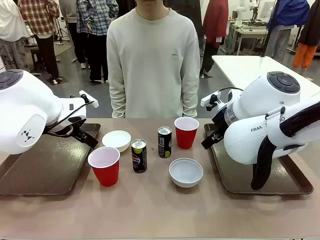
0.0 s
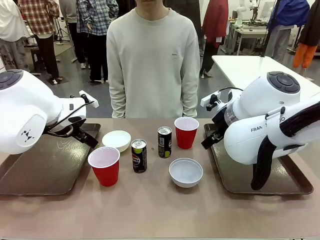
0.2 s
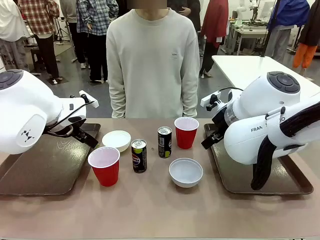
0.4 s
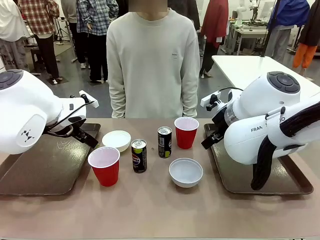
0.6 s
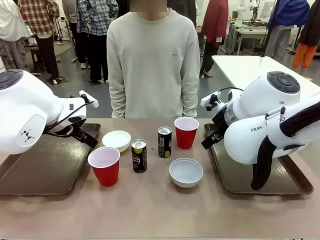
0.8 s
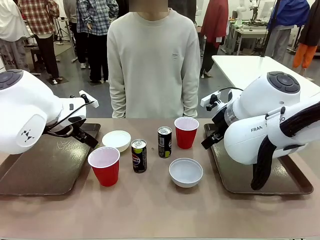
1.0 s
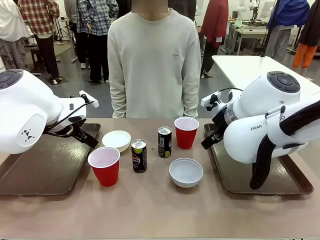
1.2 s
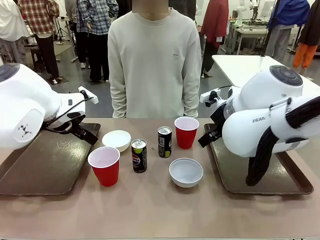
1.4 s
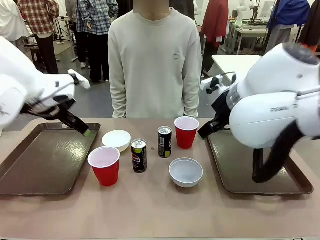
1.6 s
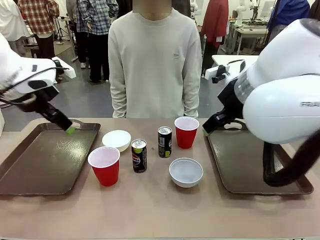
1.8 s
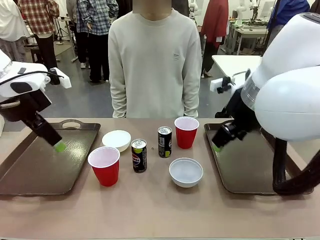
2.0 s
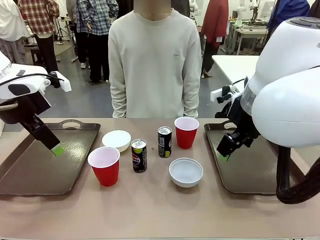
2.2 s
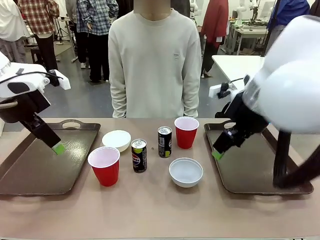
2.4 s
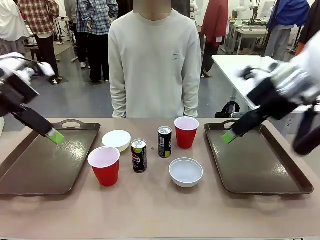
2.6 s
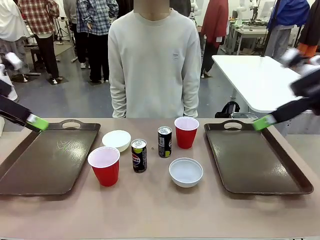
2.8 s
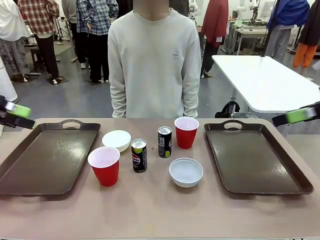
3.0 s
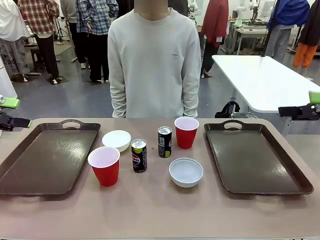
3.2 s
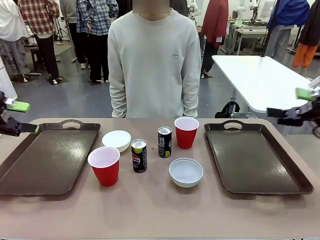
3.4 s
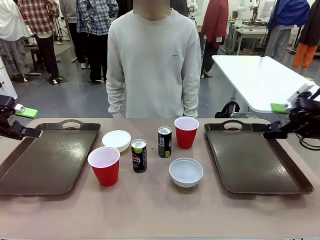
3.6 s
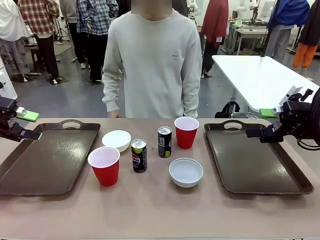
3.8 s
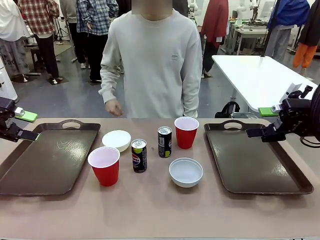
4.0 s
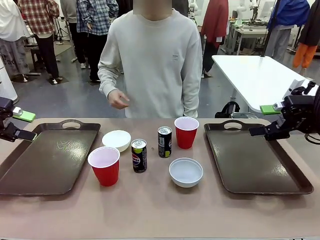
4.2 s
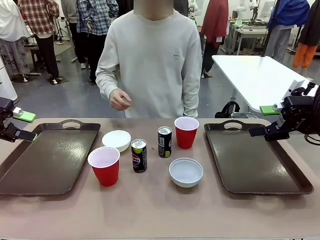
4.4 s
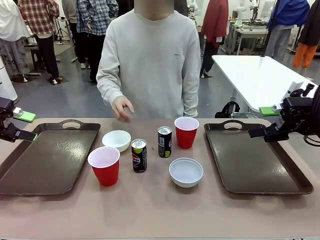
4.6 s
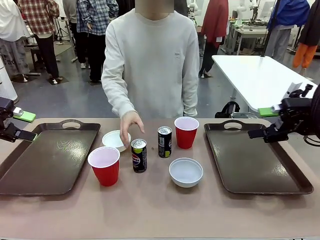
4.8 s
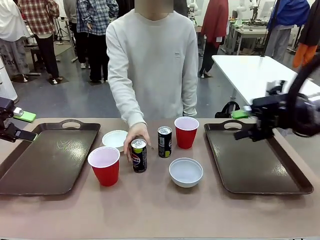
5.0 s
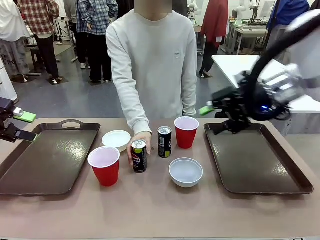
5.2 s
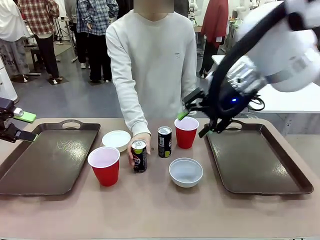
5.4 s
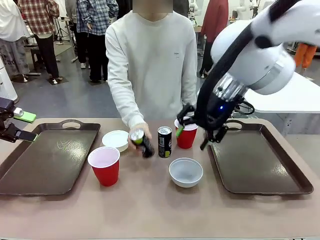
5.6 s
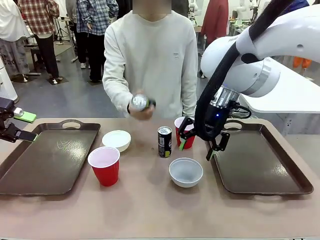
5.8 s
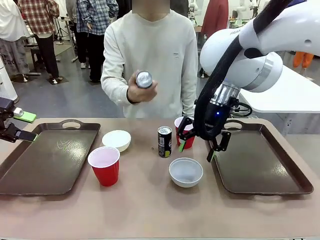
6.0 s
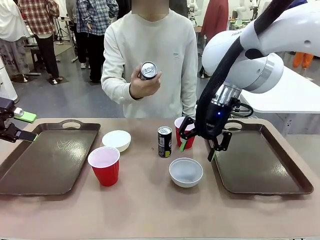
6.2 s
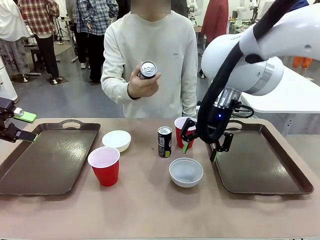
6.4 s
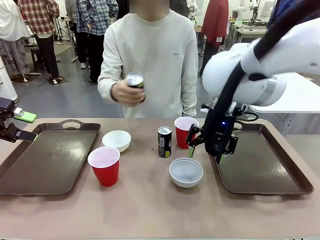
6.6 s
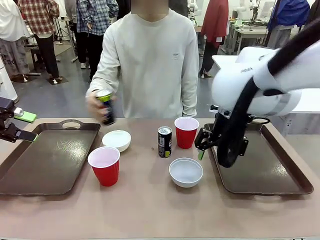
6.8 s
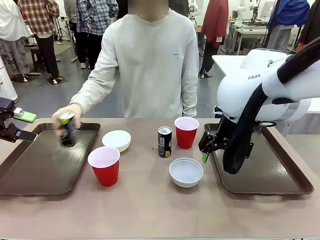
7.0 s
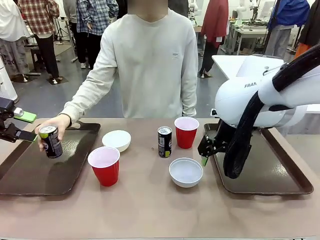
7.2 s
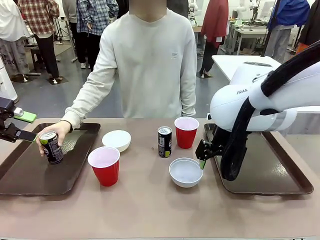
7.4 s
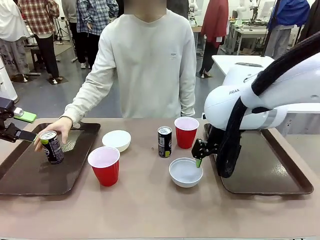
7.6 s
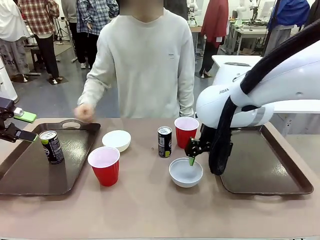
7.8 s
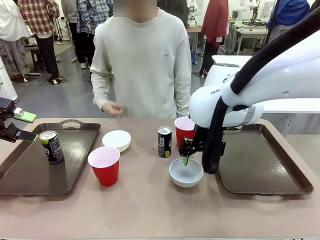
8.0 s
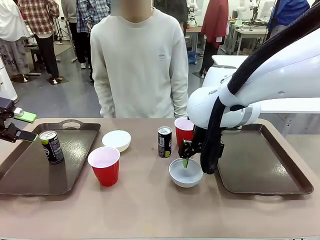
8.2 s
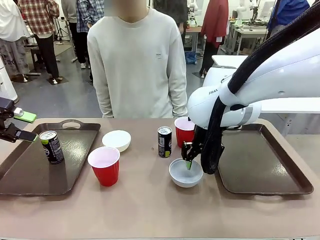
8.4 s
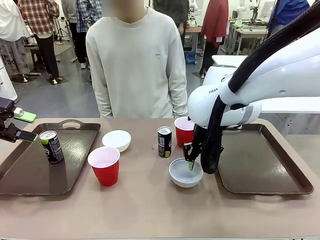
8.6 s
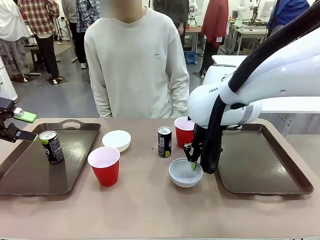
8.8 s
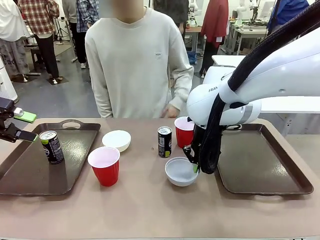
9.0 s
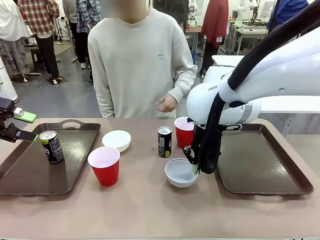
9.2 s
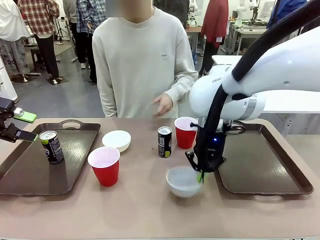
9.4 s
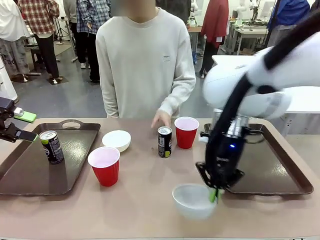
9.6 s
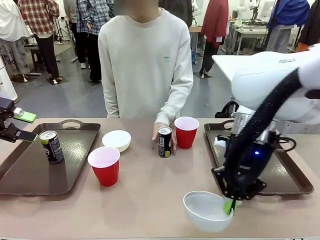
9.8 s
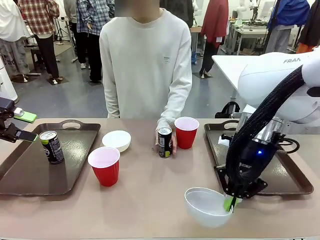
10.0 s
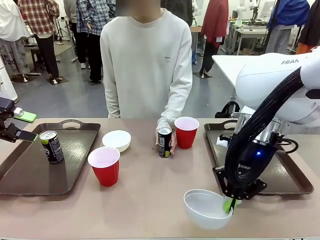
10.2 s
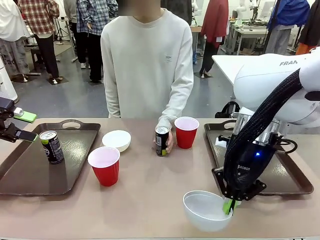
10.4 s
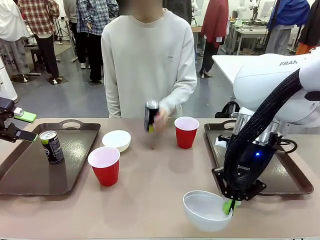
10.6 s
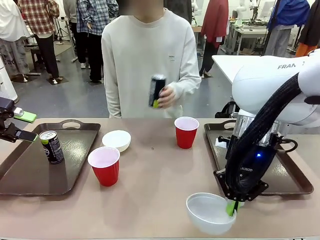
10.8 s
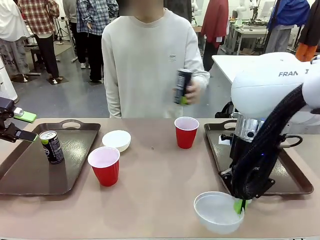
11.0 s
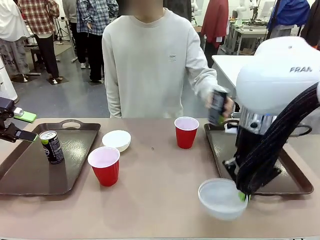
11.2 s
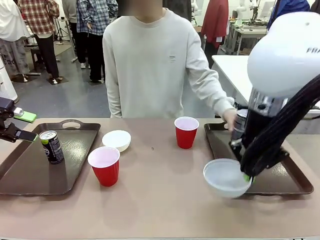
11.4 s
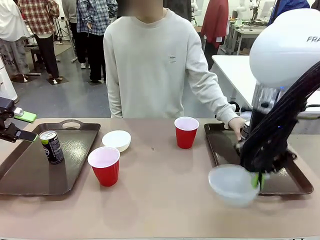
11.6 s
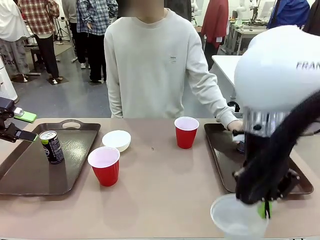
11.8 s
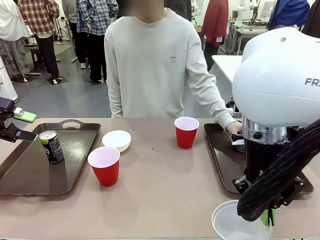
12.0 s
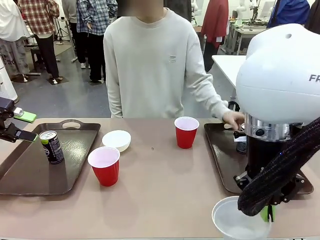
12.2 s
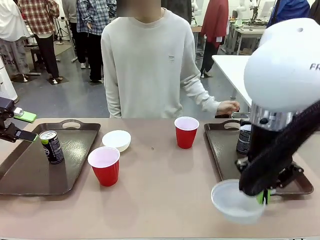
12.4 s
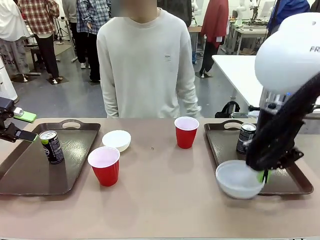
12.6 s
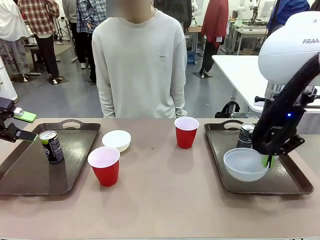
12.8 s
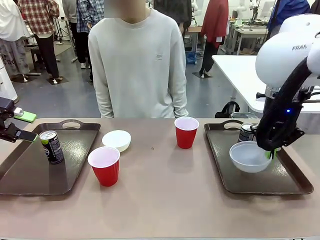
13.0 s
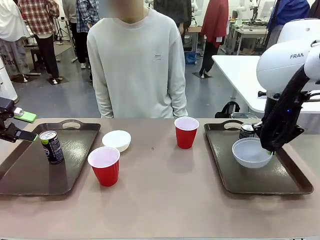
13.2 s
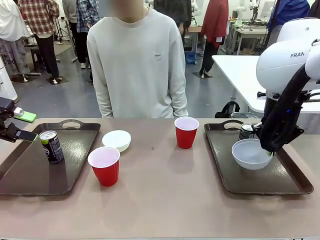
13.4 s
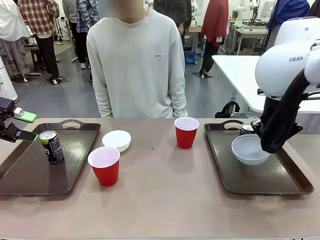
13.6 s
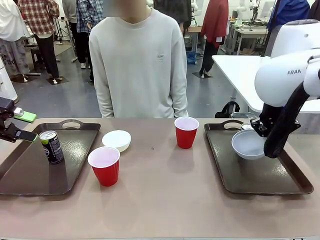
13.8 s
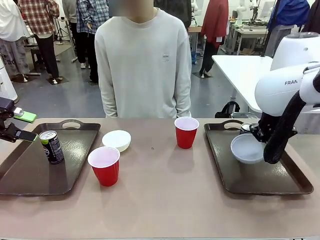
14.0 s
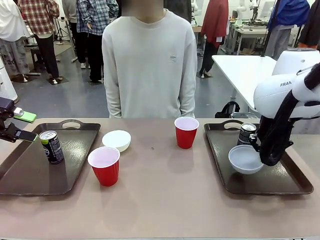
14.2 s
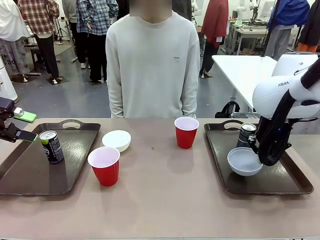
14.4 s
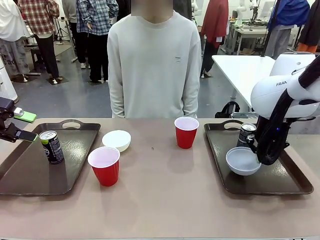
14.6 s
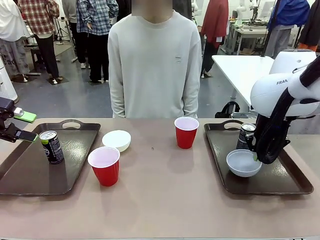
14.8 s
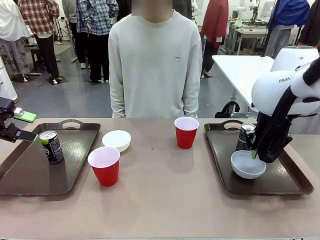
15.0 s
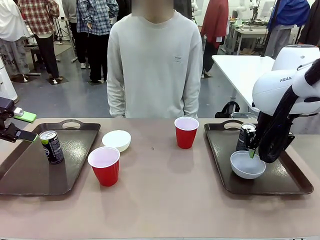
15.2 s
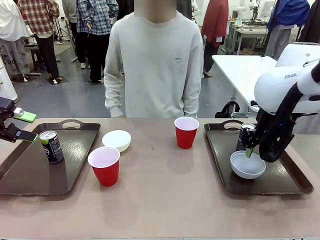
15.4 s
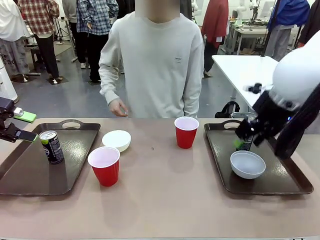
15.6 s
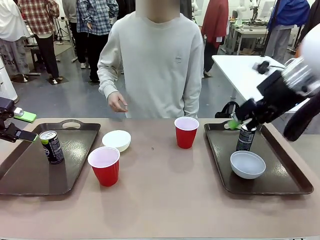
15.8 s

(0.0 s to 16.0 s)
Task: Prepare tableware on both trays.
Robot: Pick up a Picnic Bowl from the table and place it on a Handle tray.
Person: Pick up a can or cup and place it on the tray.
